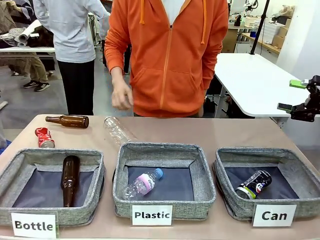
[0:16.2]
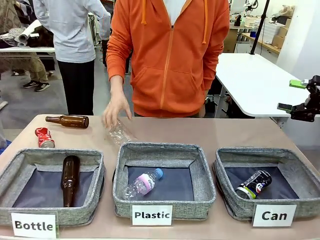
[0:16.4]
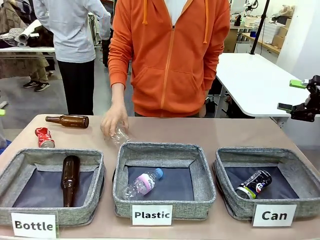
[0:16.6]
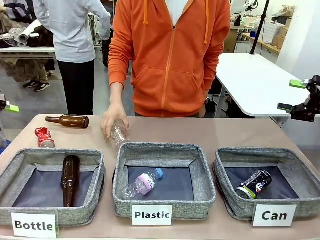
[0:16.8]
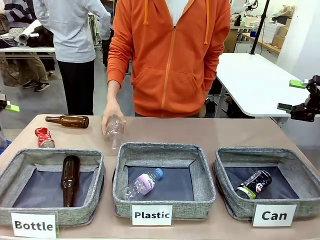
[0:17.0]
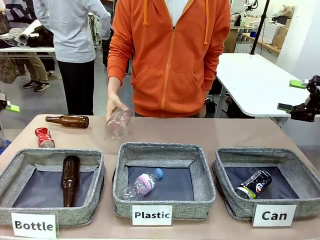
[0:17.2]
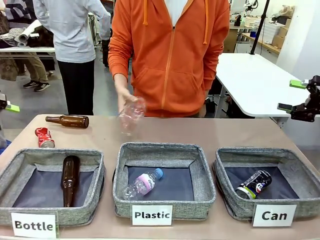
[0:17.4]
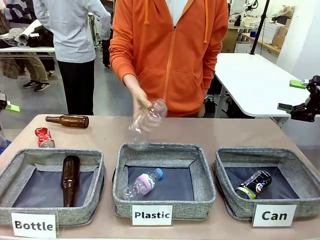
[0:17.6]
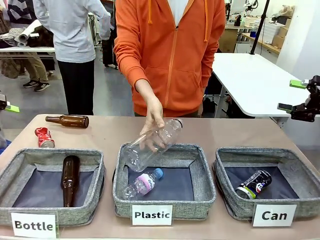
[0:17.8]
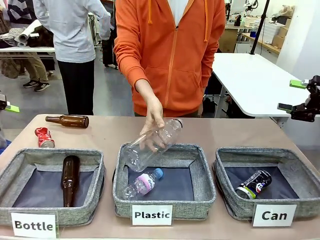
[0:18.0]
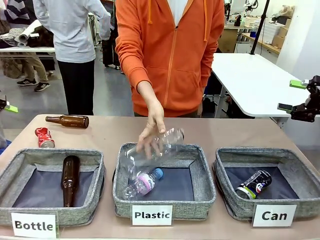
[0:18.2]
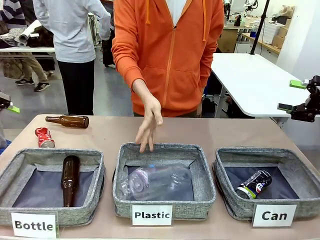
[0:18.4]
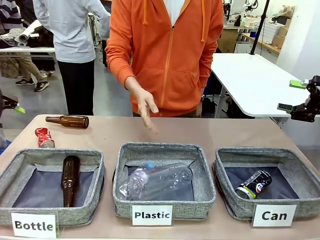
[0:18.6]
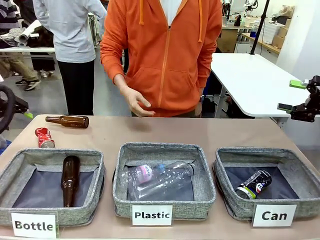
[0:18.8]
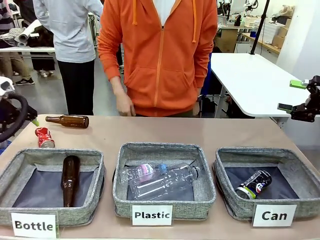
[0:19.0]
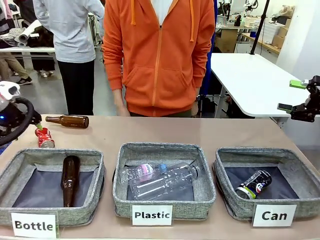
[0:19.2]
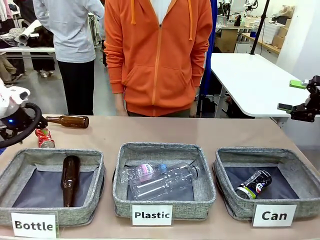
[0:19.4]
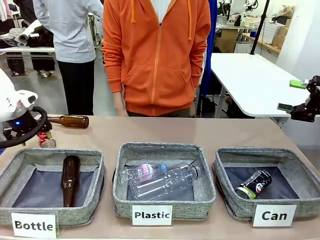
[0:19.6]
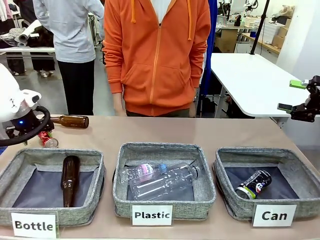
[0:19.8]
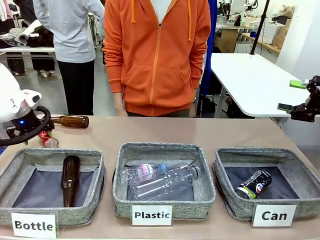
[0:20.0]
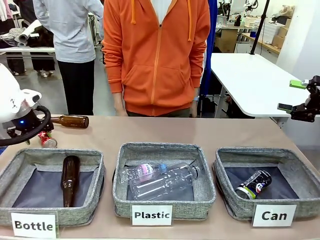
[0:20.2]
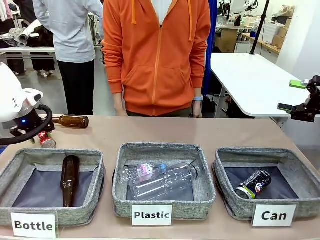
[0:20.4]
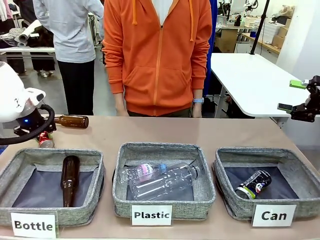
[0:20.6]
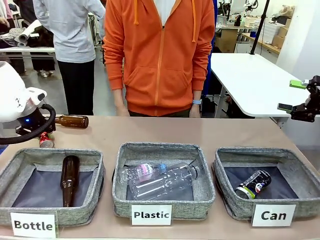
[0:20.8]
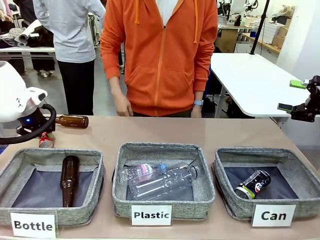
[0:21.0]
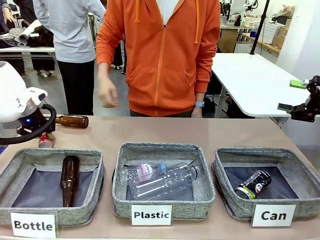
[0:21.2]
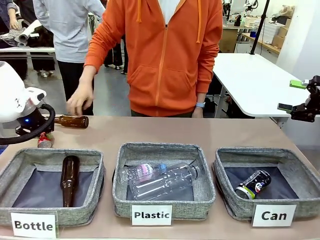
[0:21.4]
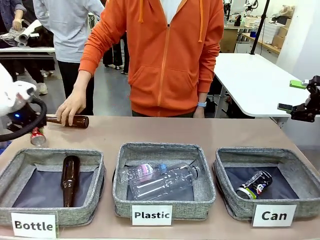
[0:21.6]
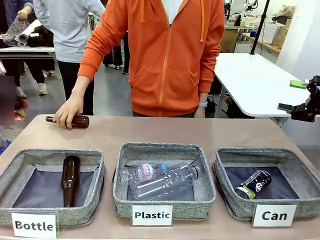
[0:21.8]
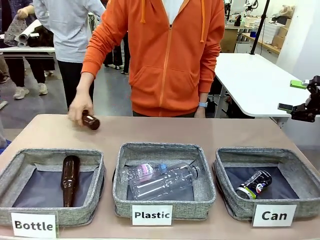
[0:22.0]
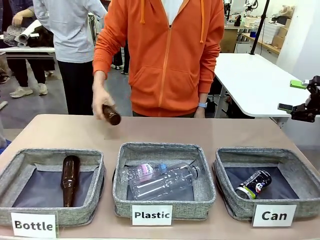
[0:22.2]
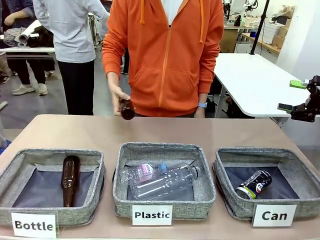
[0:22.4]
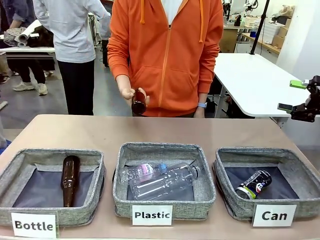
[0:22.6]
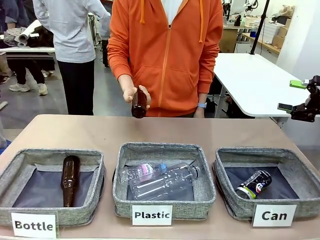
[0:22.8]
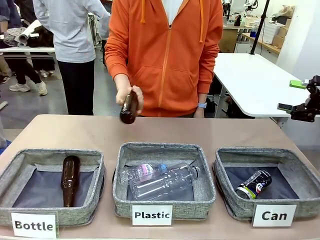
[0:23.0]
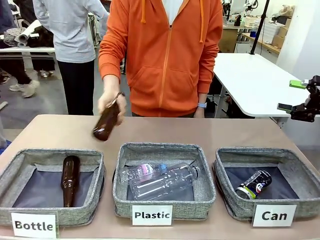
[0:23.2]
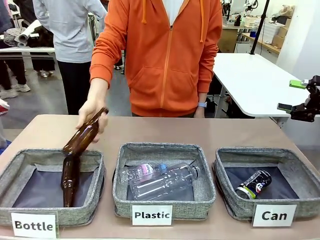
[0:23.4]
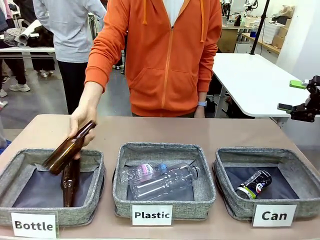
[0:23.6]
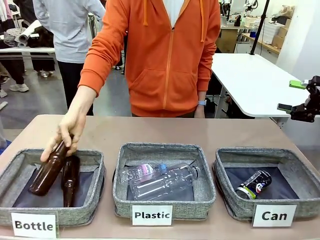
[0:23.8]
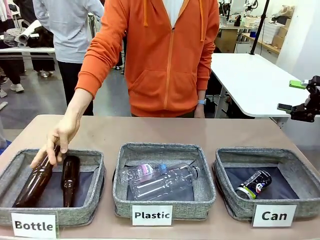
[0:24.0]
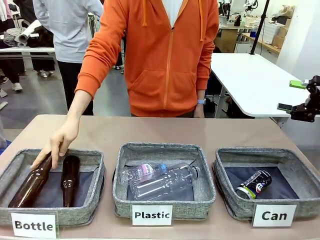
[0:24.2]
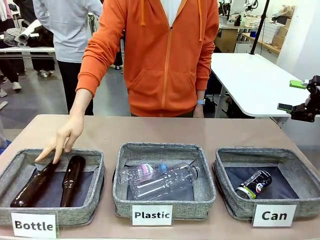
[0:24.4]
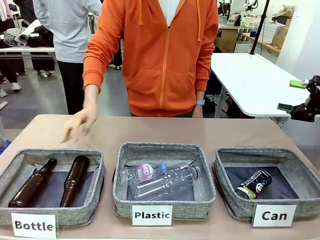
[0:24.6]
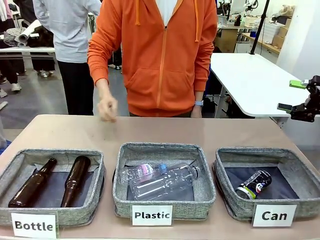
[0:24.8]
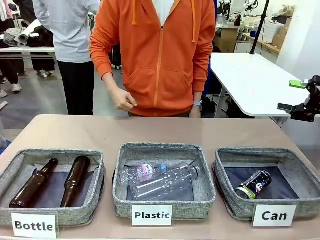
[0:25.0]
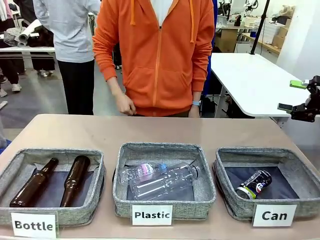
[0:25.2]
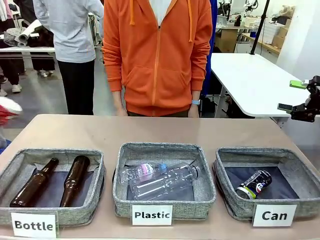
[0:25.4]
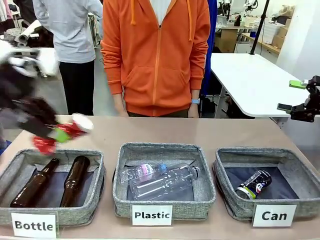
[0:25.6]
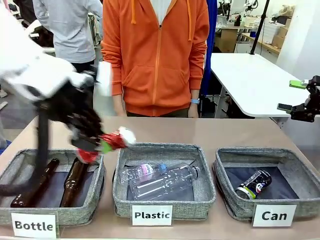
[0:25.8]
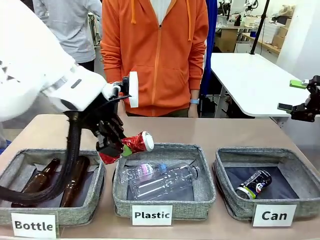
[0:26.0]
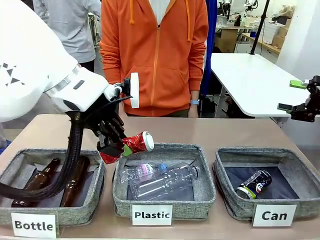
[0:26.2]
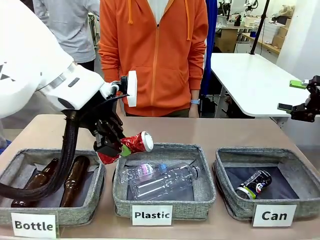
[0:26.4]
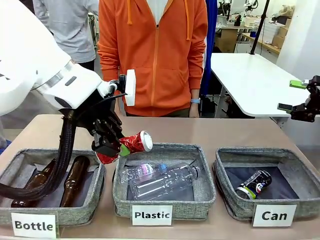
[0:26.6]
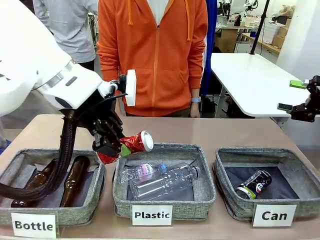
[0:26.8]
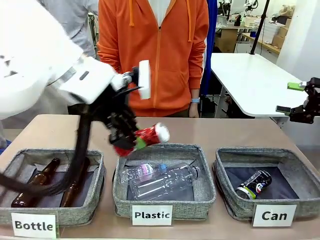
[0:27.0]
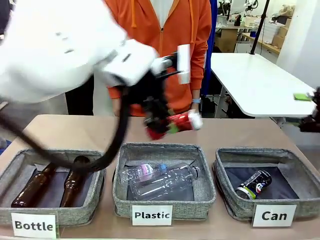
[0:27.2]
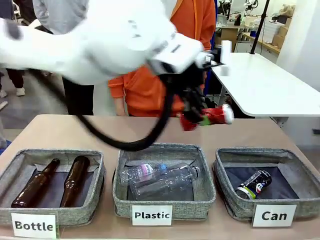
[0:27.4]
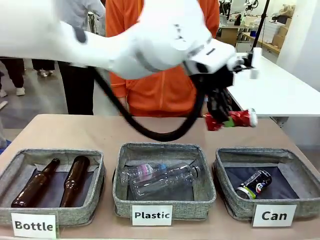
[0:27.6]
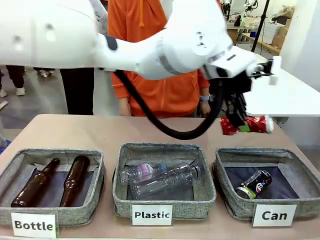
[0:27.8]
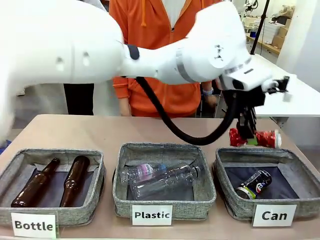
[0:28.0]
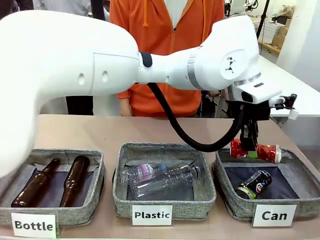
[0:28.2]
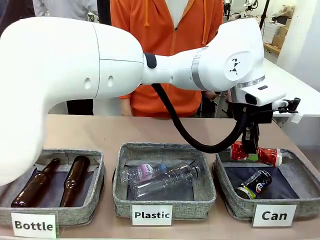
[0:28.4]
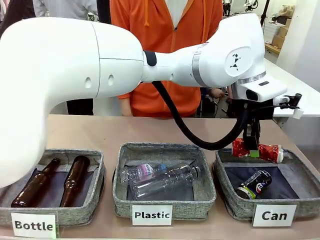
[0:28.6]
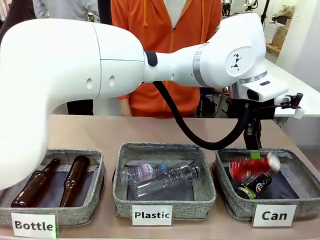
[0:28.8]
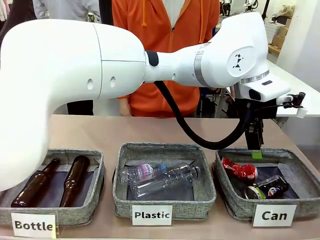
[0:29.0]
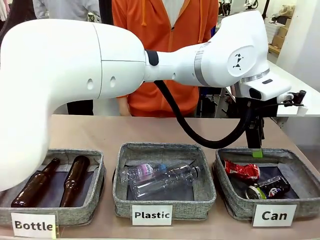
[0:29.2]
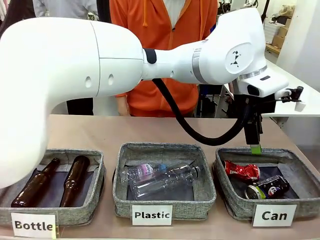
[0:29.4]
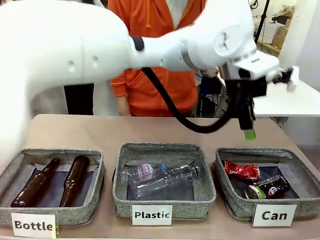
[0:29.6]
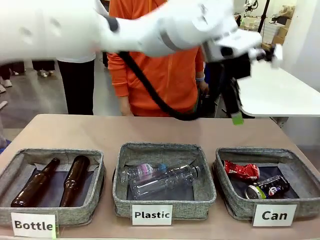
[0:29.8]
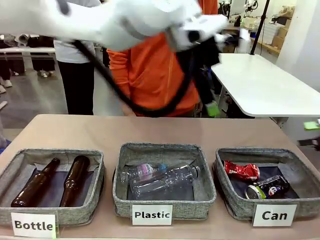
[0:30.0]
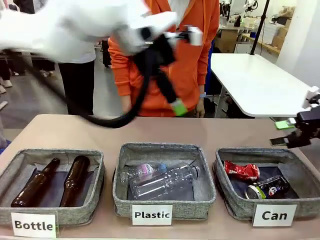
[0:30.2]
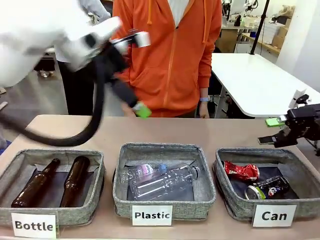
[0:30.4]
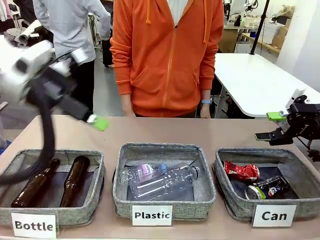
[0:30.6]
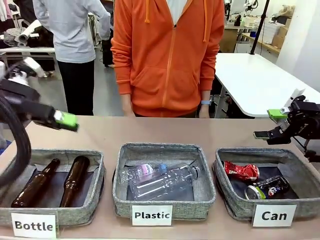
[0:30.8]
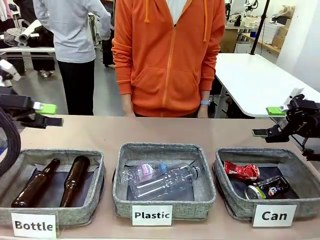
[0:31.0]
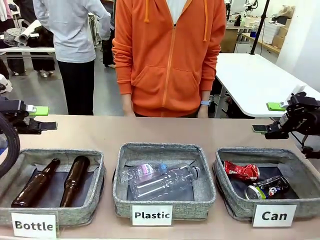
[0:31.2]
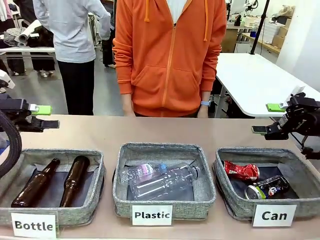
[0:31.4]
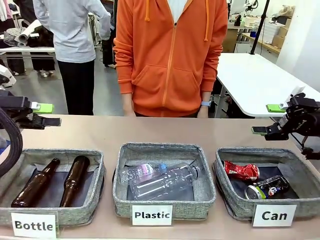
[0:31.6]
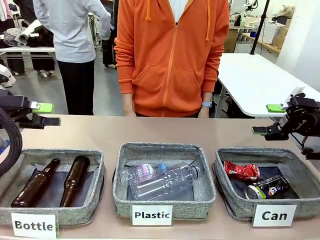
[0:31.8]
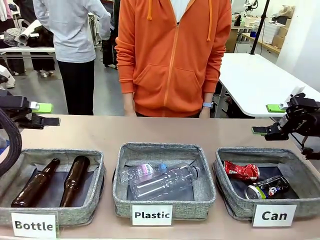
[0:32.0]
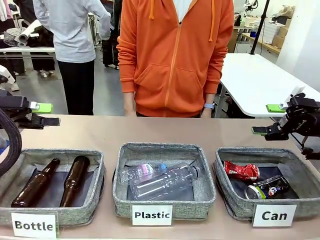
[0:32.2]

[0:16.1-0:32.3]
Task: Sort the can waste into the basket.
Robot: Pick up the can waste from the table and place it in the right Fabric basket.
Person: The human picks up one piece of trash that is not a can and places the trash into the appropriate organizing basket.
